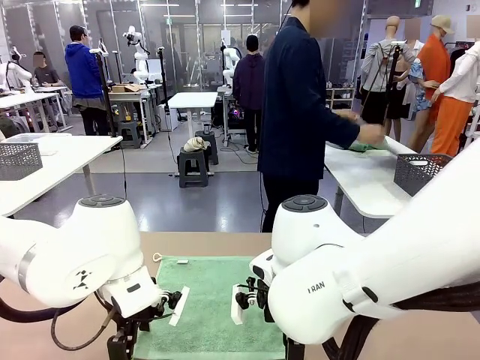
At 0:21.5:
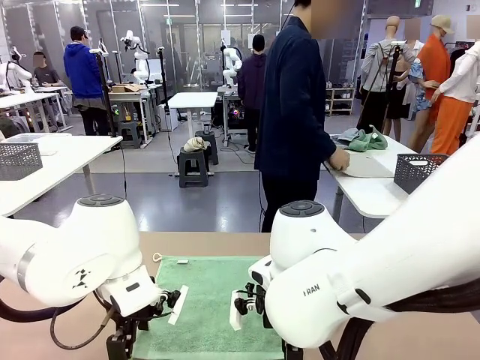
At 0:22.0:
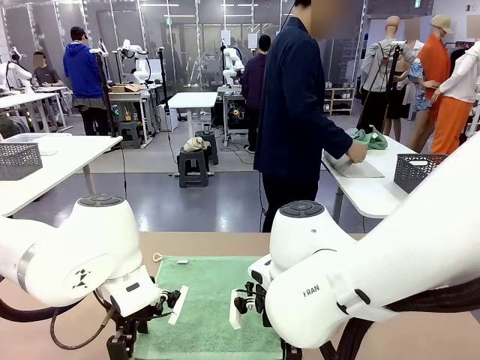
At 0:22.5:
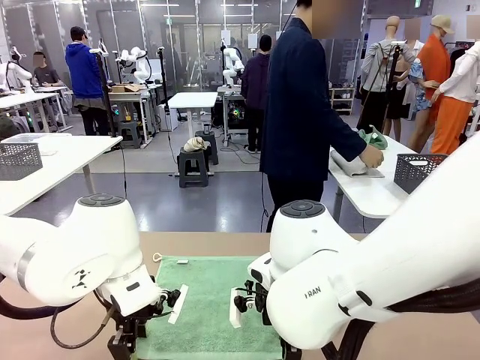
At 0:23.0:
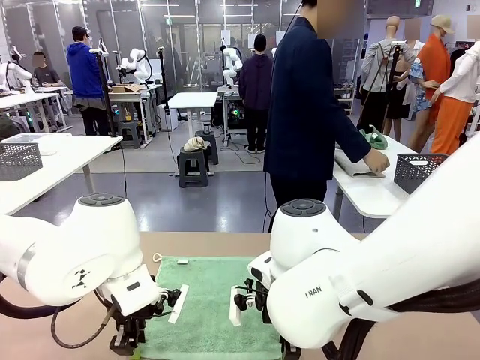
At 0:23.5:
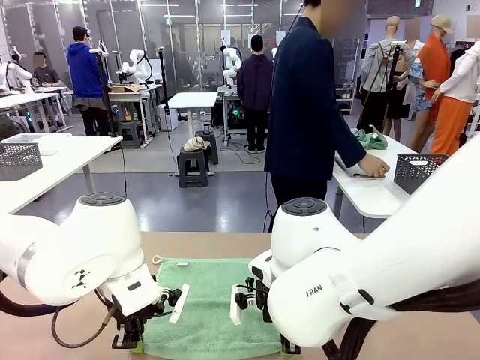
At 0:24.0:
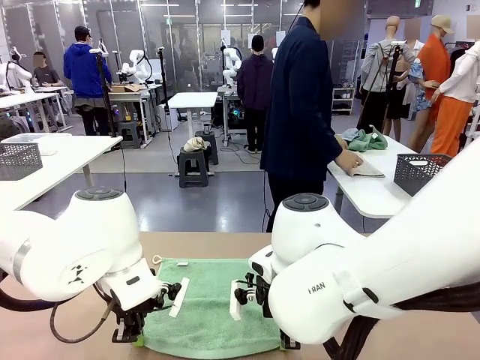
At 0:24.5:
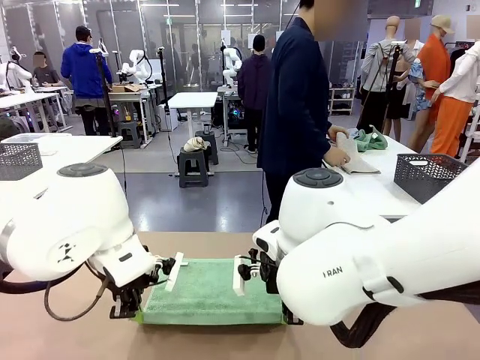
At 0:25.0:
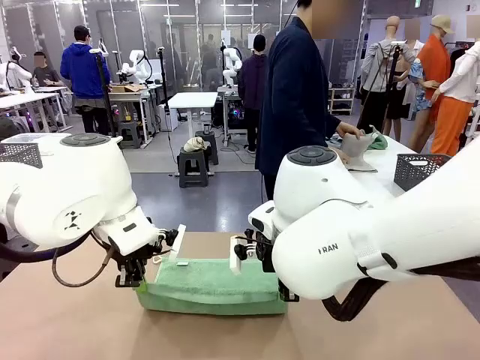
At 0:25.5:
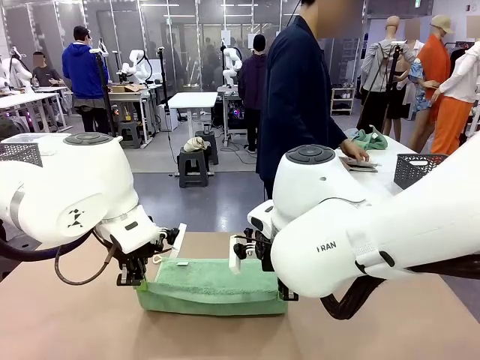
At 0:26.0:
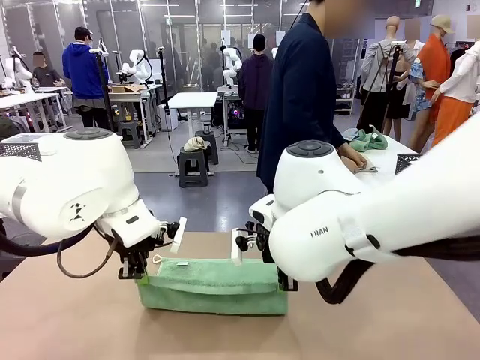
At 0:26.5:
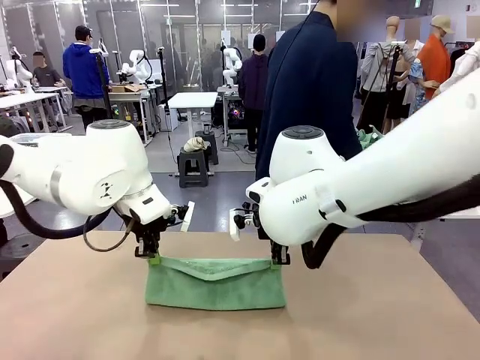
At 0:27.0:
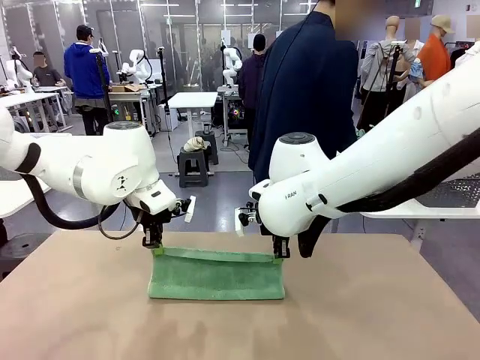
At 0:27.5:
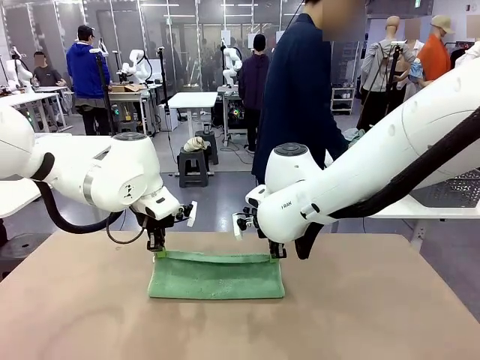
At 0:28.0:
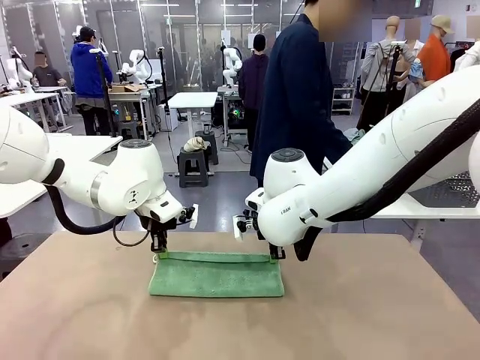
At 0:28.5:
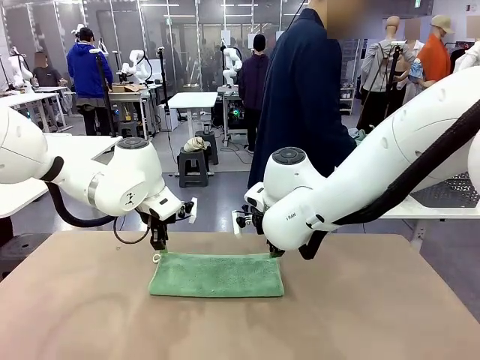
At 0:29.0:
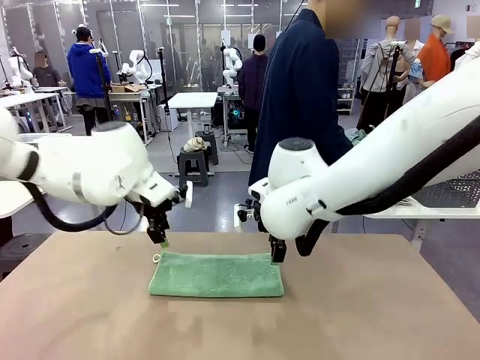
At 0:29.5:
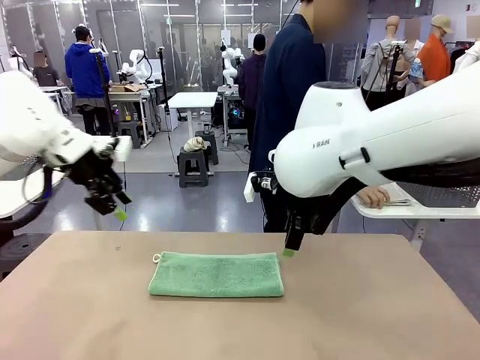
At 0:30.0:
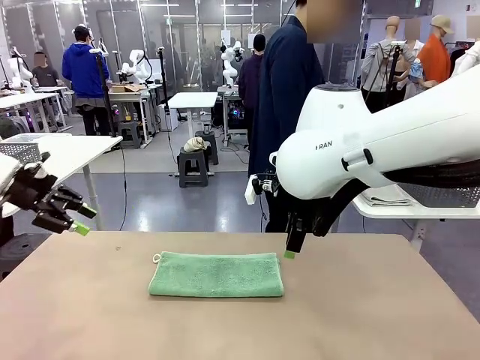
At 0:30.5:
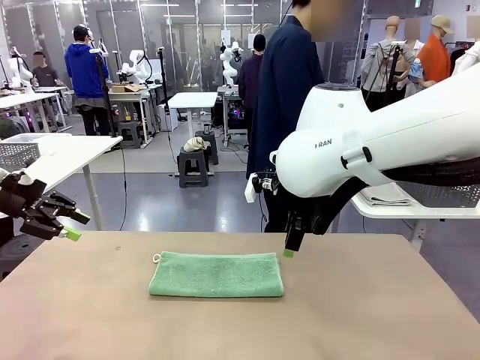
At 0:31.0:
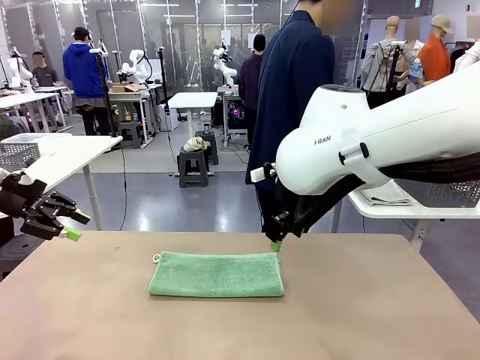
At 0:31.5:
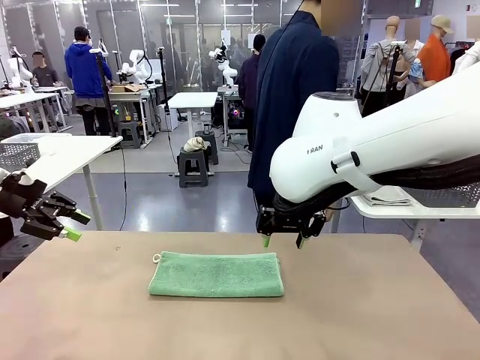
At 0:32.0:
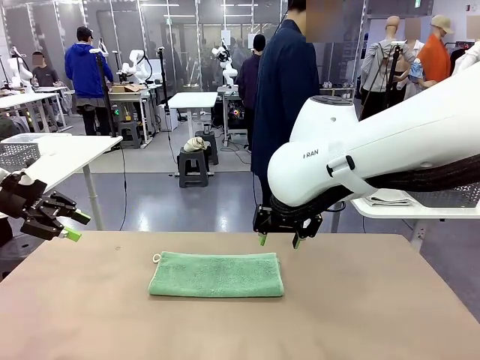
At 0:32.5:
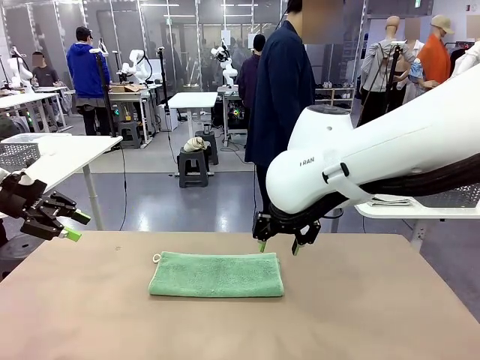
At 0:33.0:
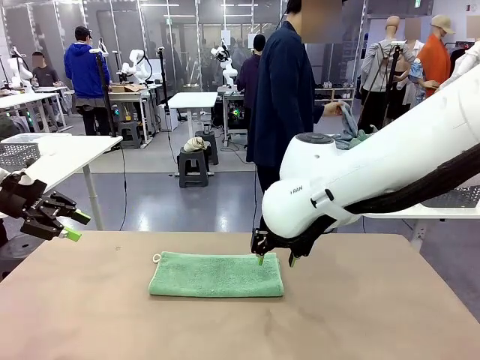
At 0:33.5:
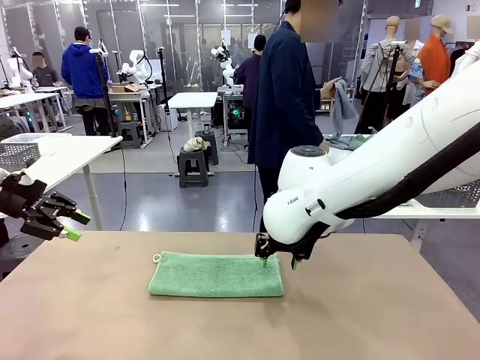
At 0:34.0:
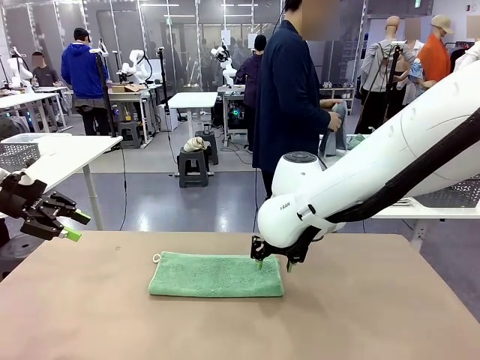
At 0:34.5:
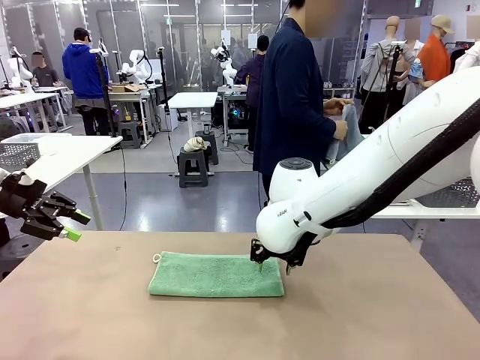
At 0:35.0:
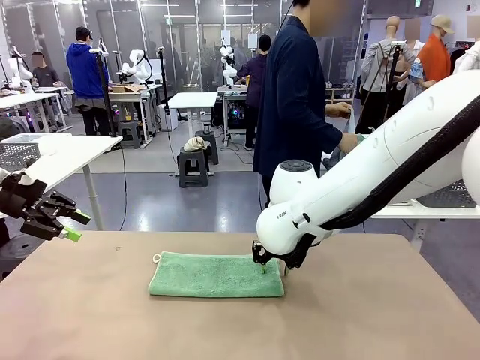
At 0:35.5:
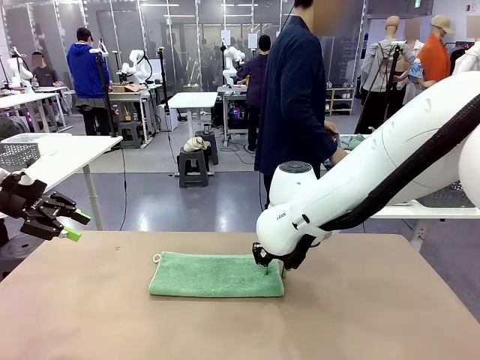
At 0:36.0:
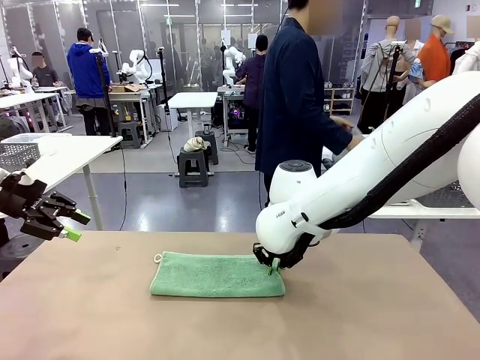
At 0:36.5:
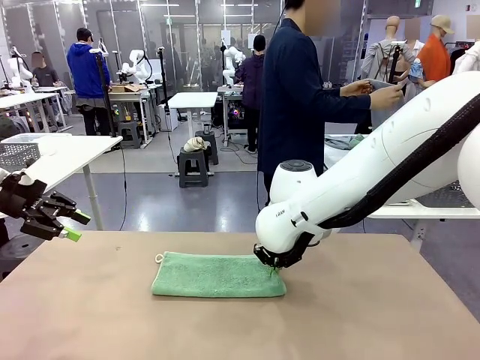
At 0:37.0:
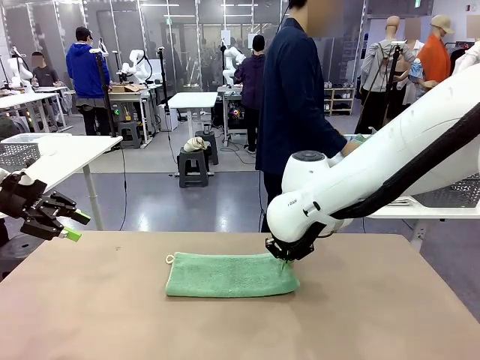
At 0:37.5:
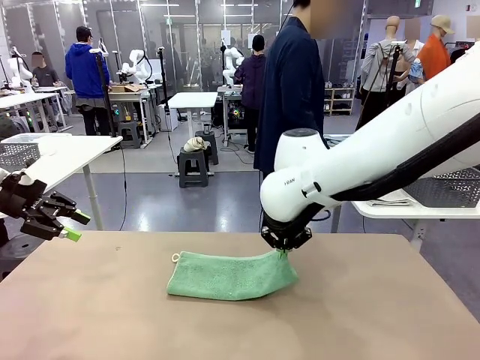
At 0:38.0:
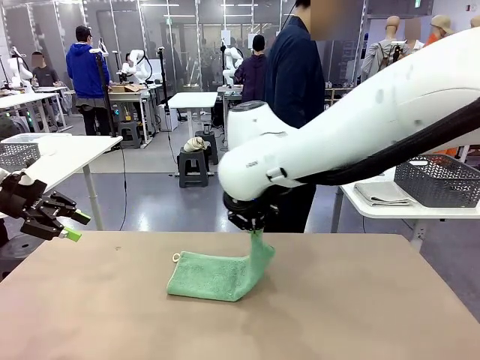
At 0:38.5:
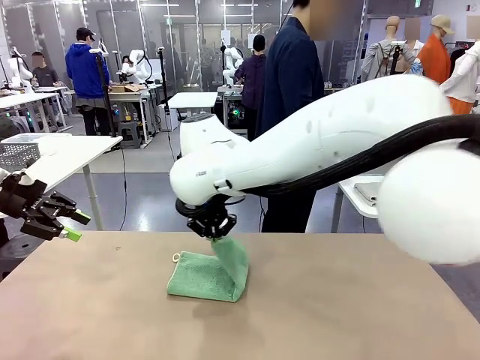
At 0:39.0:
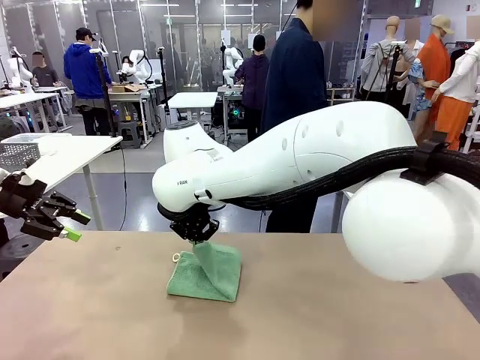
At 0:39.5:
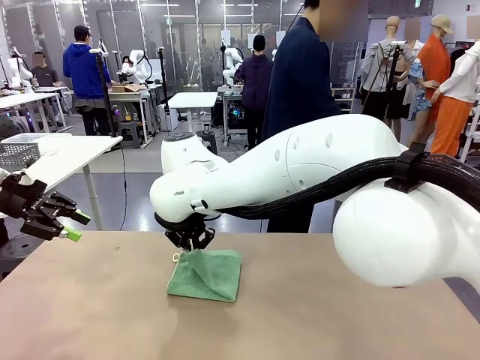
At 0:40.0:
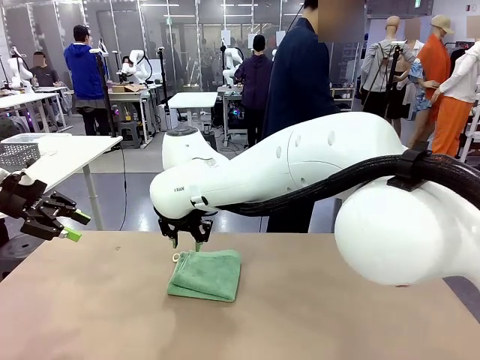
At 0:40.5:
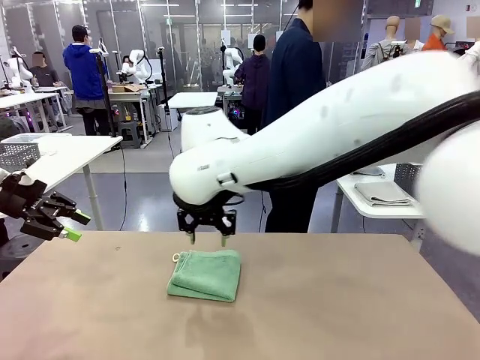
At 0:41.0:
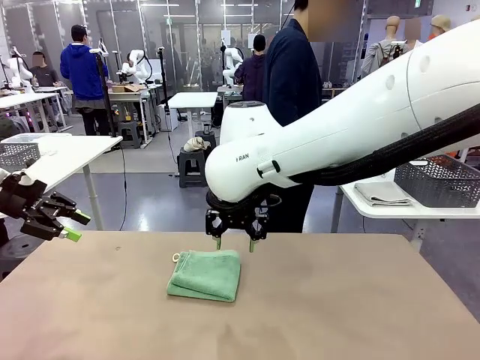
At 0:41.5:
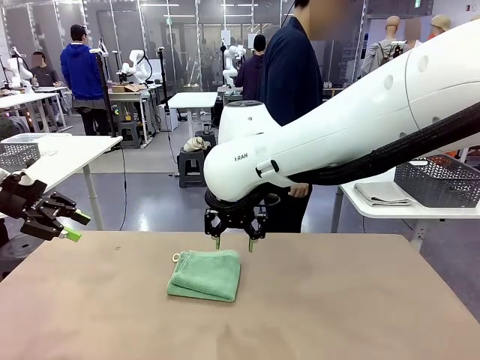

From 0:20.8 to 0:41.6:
Task: Fold the towels and place them in the basket.
Robot: When a person lays out a Towel with hook on the table, fold it in half twice.
Person: Pick up one towel from the left side of the human table, fold it in half twice, and place it on the right side of the table. Pick up one towel from the left side of the human table, fold it in half twice, and stack it on the right side of the table.

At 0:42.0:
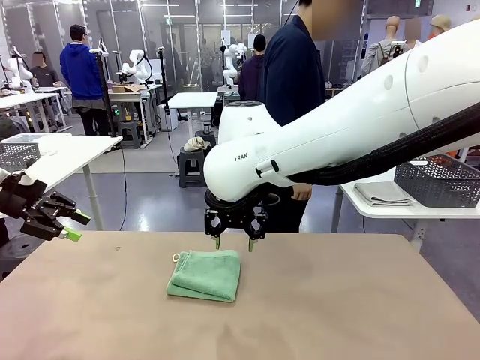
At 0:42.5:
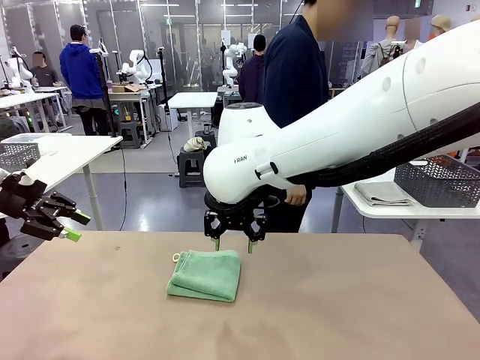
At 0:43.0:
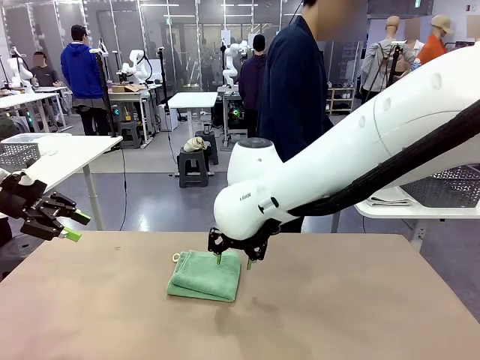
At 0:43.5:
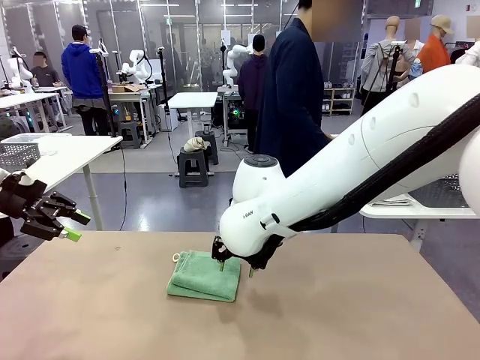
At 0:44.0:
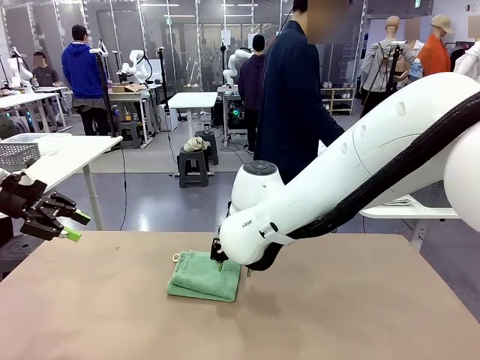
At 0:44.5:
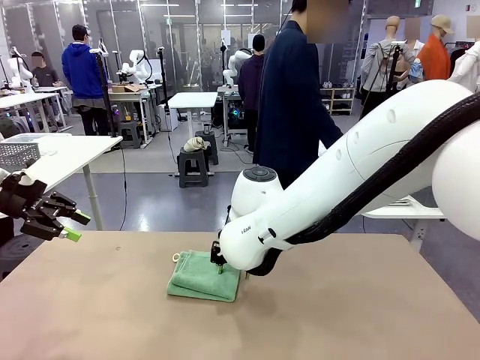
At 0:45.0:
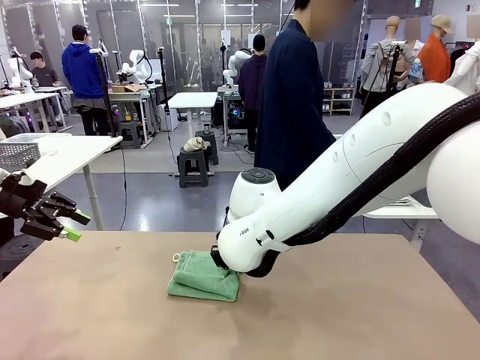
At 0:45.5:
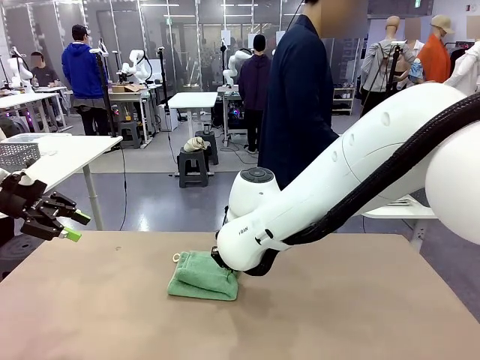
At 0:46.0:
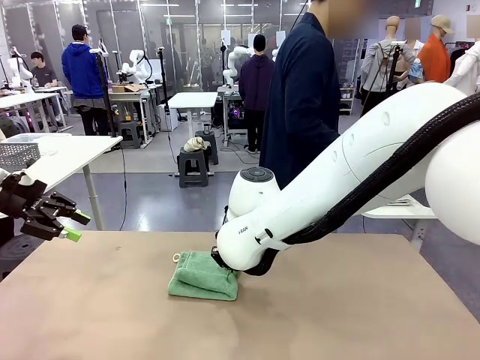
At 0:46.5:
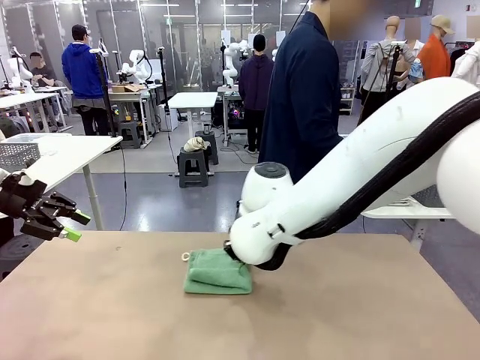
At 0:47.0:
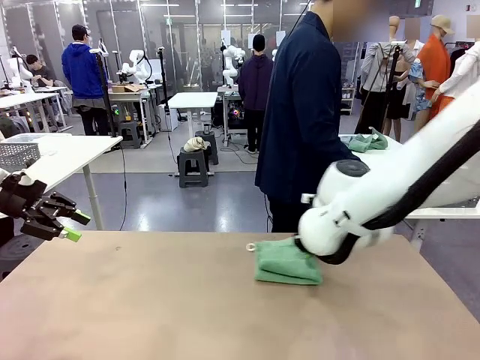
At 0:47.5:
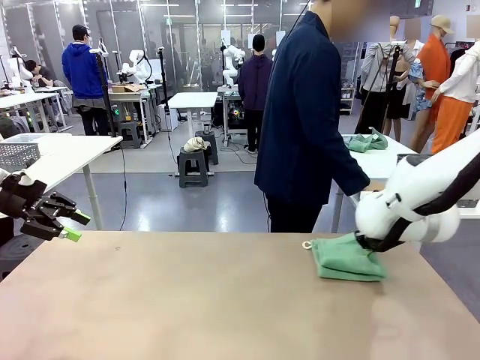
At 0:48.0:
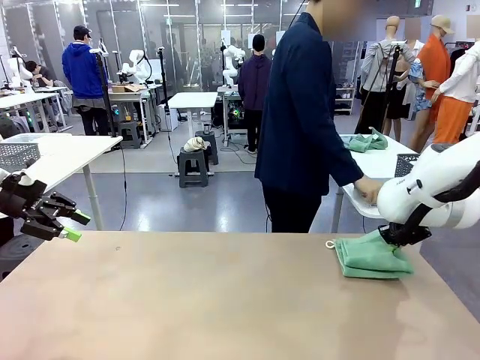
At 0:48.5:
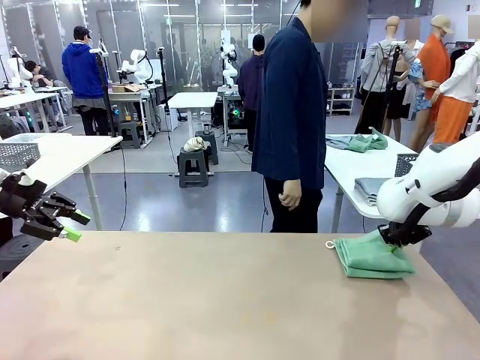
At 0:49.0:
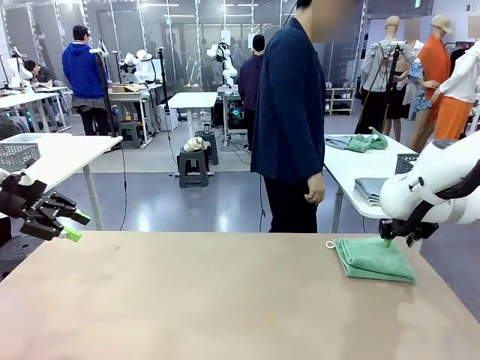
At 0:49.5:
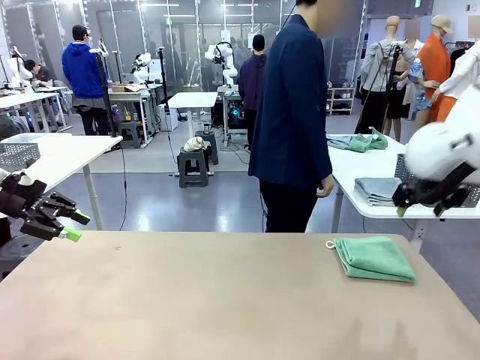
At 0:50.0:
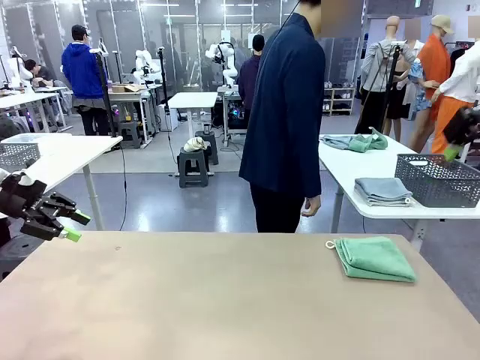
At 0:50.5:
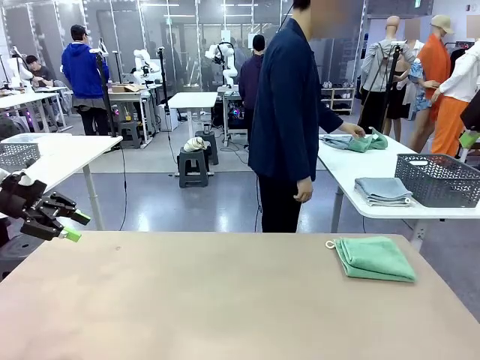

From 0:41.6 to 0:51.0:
Robot: Place the folded Towel with hook on the right side of the table.
